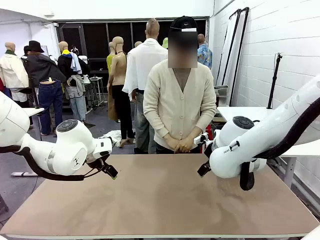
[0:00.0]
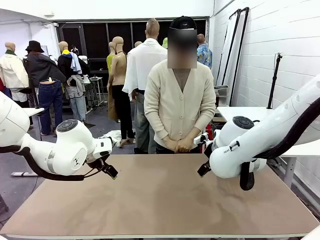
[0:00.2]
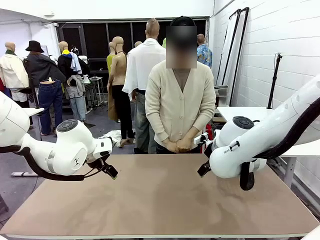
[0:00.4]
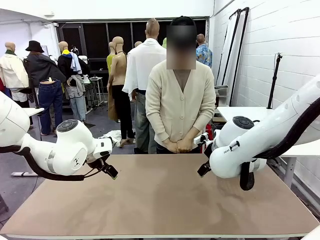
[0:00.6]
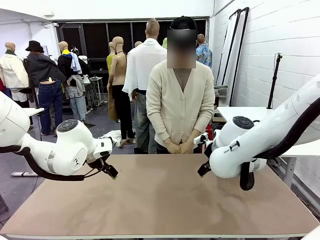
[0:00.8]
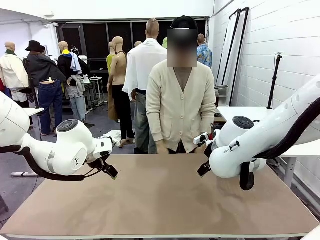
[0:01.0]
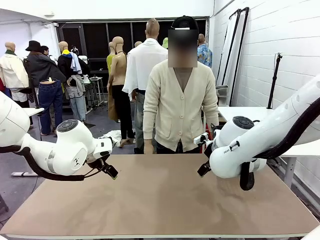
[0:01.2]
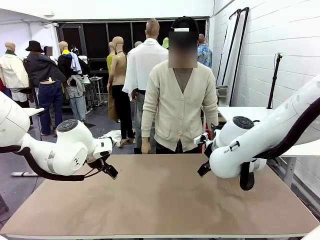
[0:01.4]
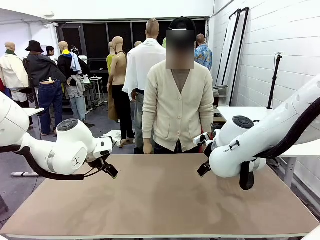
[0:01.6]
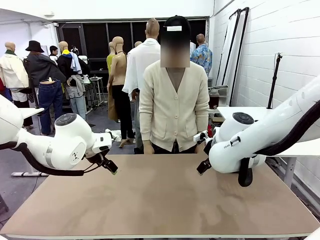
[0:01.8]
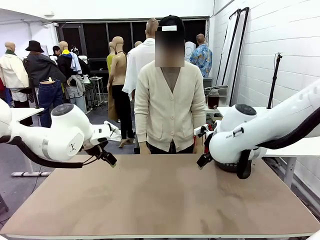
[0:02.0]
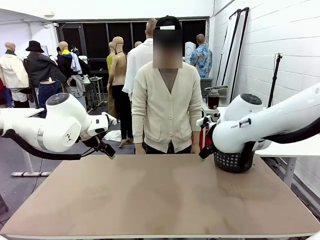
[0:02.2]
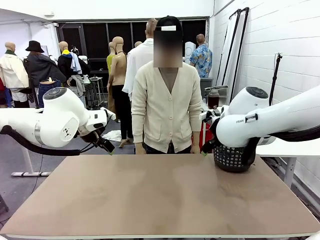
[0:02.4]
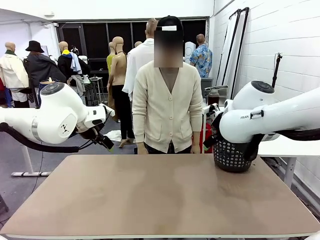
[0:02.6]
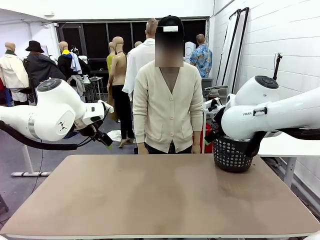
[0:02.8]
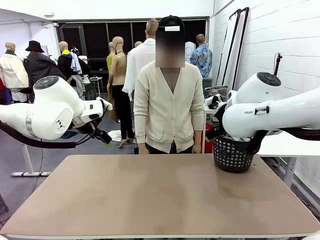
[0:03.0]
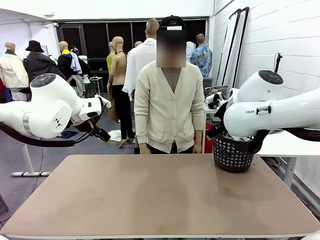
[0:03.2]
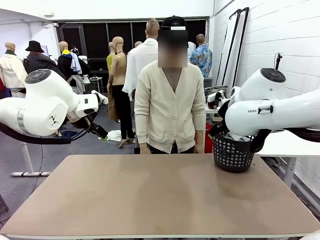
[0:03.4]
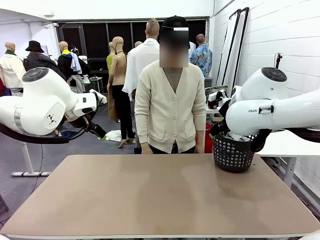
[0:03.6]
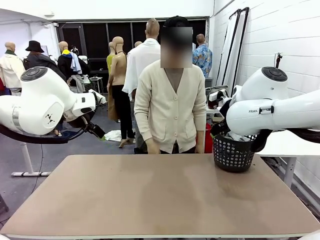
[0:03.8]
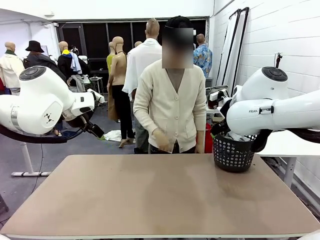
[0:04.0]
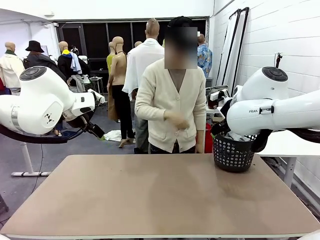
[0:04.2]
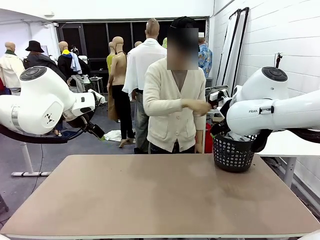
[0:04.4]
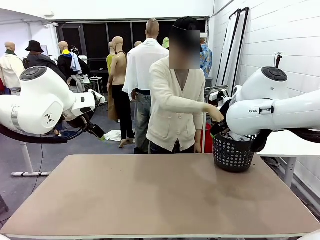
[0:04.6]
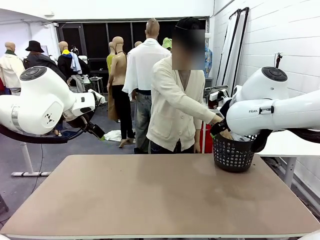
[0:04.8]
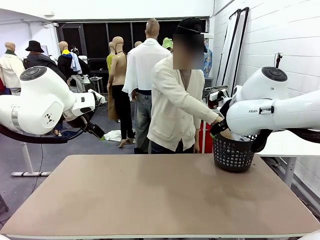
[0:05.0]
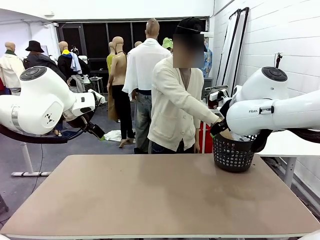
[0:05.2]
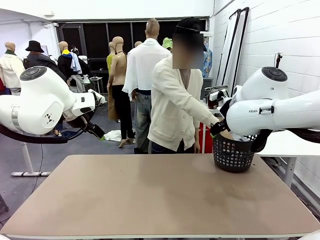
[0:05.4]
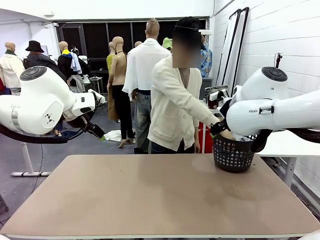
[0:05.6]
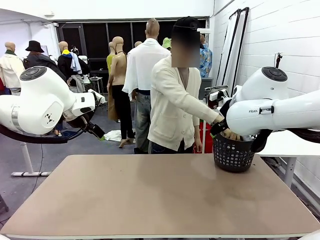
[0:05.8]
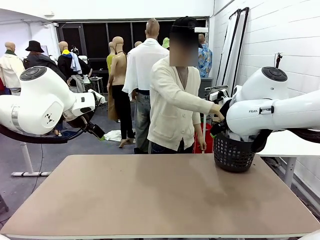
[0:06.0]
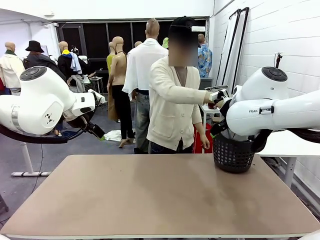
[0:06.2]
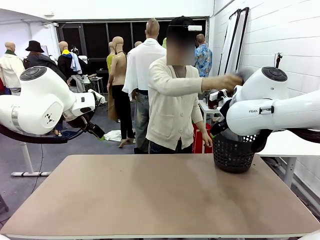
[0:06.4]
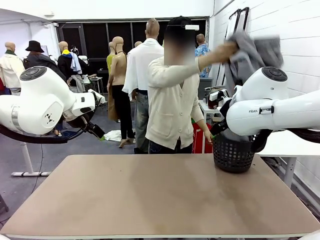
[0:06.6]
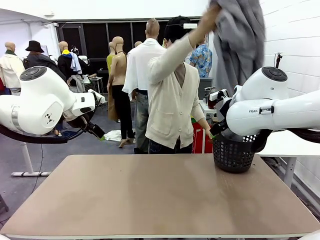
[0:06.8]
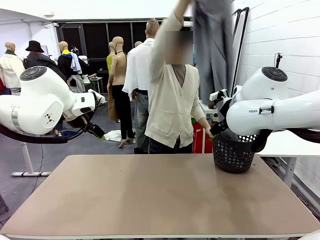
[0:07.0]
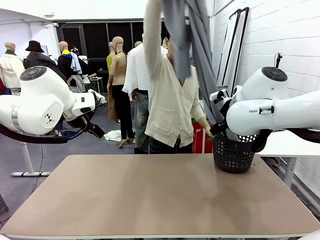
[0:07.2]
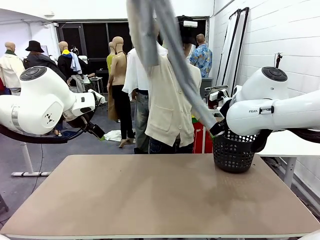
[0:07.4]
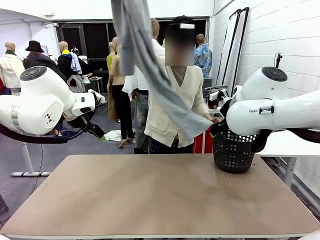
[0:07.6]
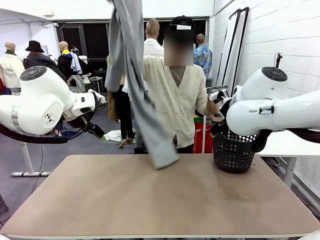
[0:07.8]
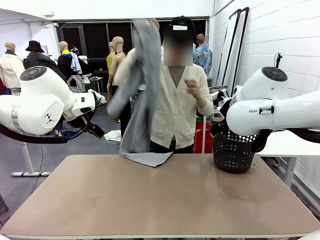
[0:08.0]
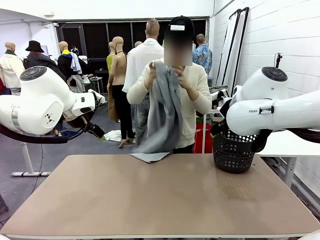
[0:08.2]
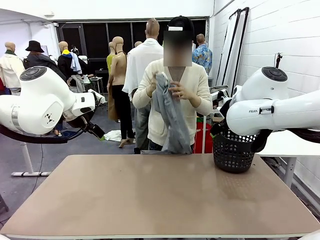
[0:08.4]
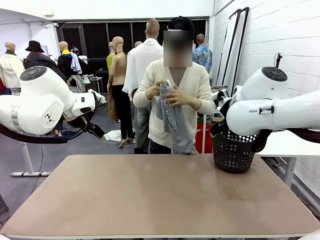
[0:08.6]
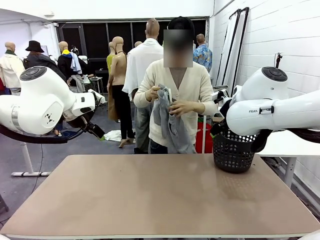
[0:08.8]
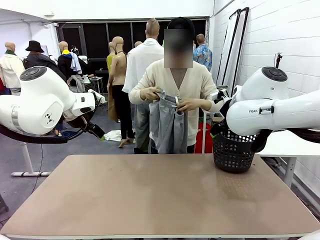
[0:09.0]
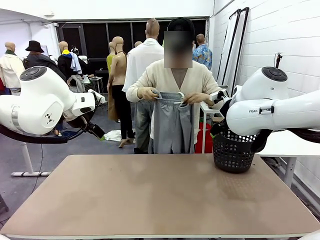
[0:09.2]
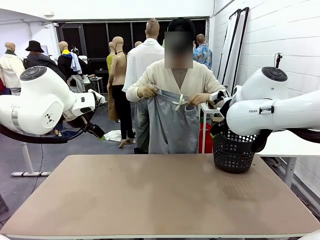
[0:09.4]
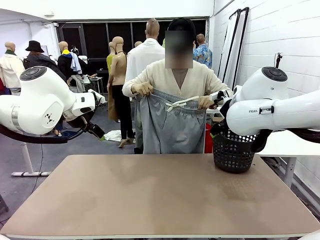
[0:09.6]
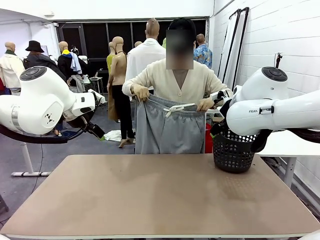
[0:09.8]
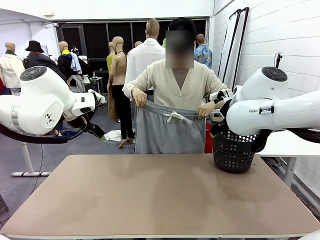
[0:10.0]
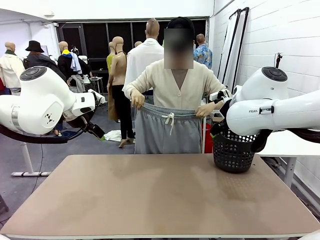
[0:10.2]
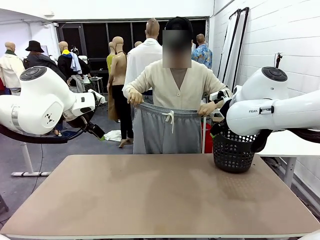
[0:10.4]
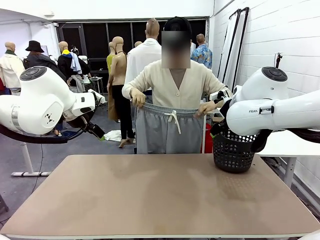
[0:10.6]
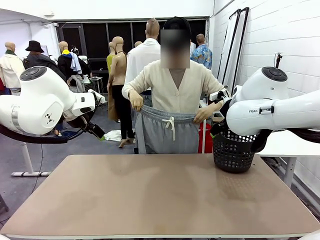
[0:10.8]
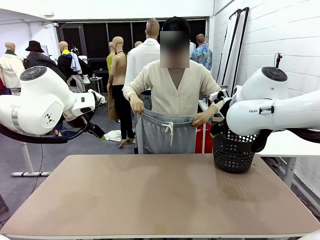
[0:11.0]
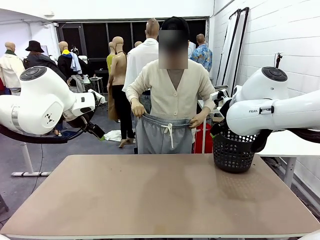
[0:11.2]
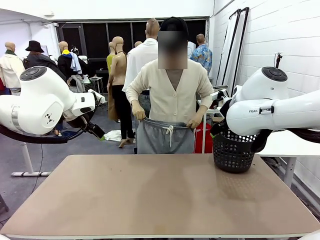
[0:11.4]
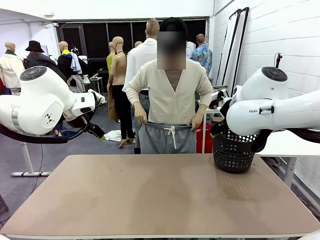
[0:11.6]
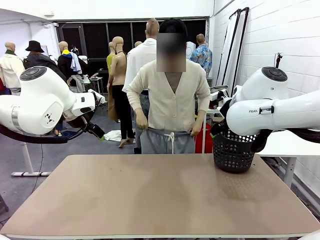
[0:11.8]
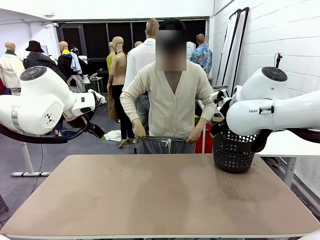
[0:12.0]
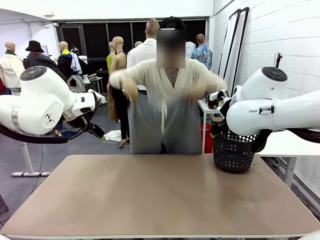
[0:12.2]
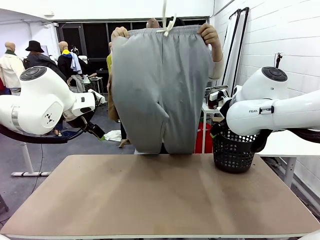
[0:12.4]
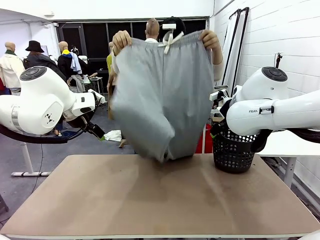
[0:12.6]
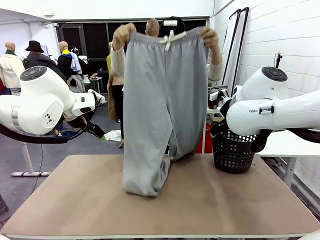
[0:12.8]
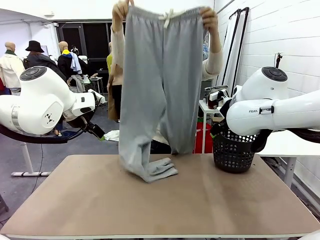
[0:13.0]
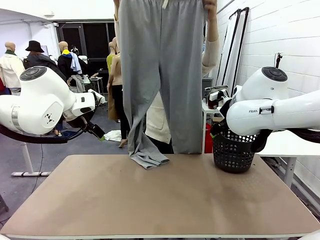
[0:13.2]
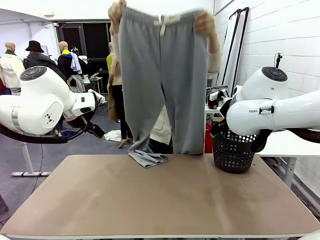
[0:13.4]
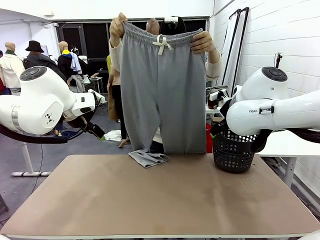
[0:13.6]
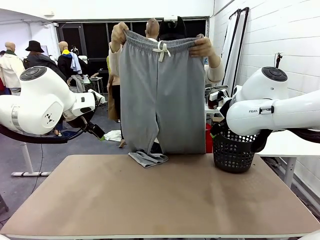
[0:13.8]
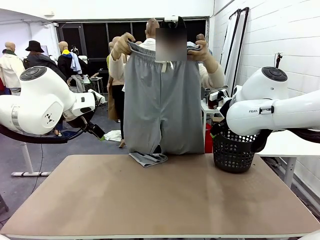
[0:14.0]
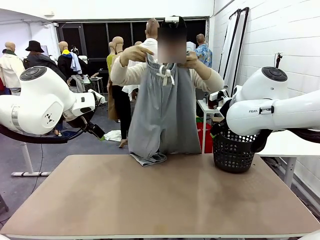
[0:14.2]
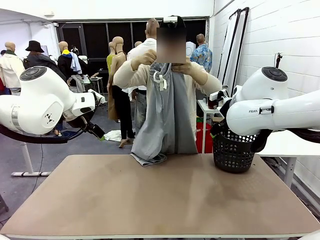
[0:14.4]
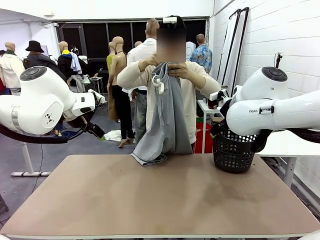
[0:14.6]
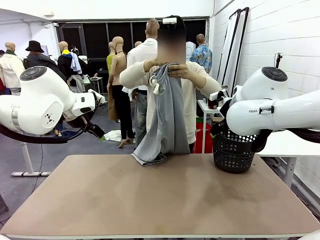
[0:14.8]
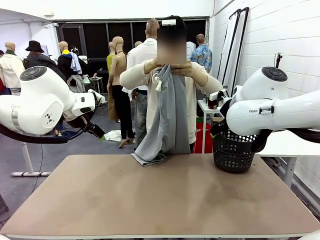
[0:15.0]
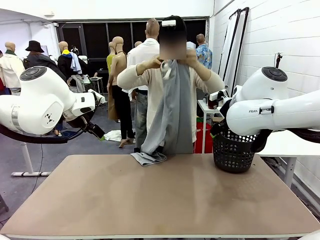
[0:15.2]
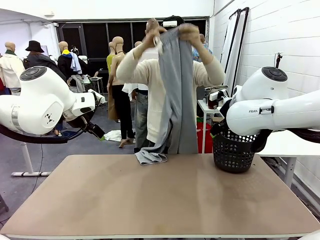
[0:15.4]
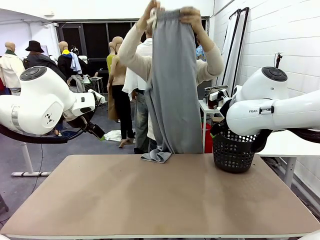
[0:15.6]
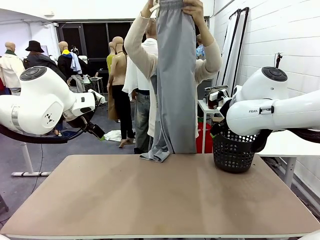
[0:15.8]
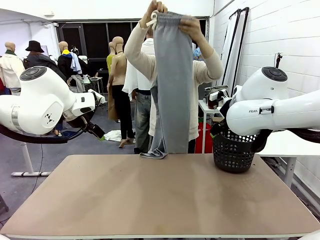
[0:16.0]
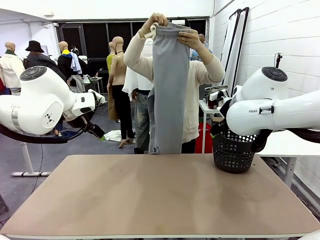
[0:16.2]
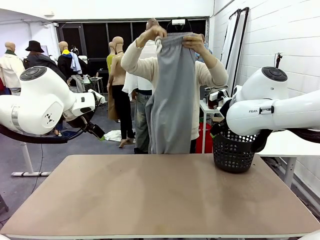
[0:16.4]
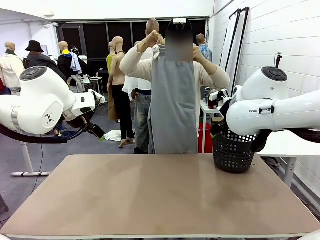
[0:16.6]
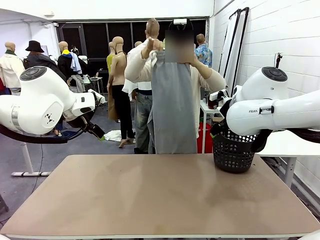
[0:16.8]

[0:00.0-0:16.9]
Task: Fold the training pants.
Robot: Grab both ends of the Training pants handed by a person.
Person: Take the long pants out of the laundry basket, unfold them, fold the waist in half, and extend them so the robot can pick up both corners.
